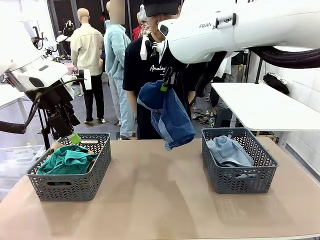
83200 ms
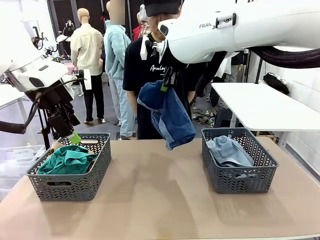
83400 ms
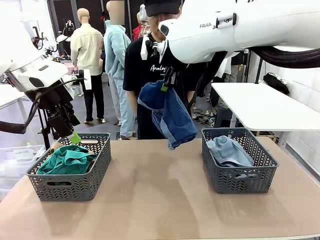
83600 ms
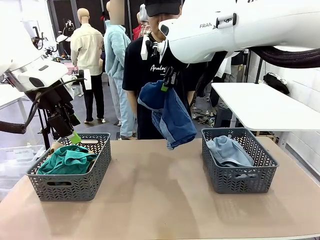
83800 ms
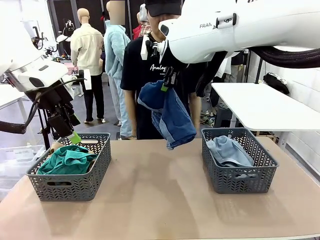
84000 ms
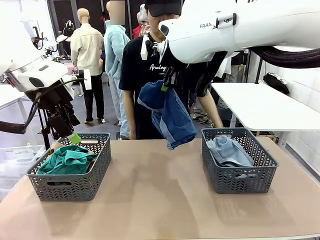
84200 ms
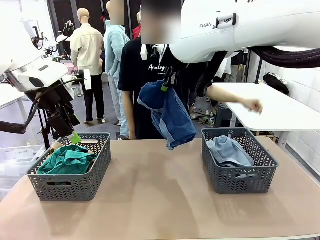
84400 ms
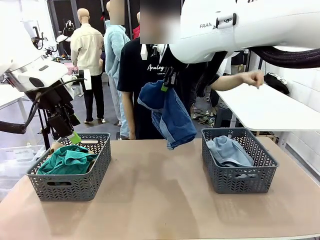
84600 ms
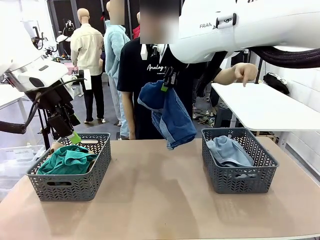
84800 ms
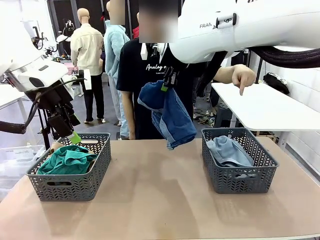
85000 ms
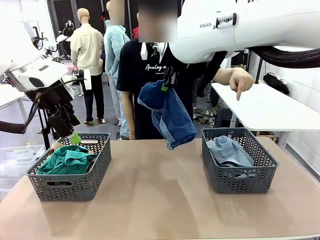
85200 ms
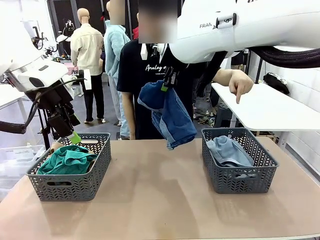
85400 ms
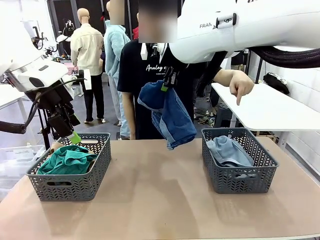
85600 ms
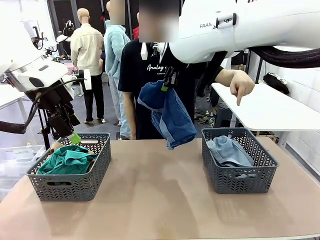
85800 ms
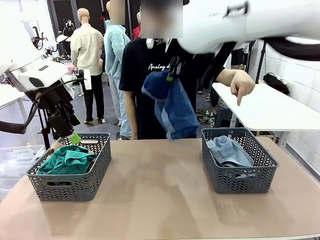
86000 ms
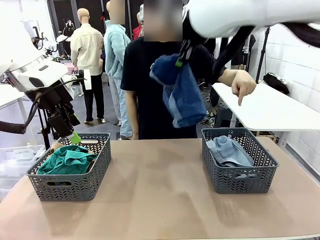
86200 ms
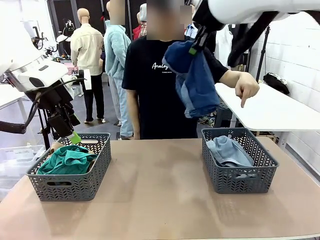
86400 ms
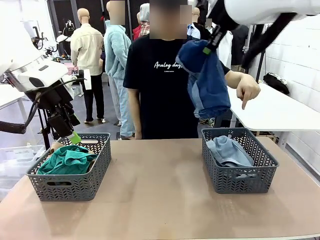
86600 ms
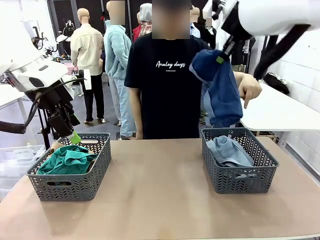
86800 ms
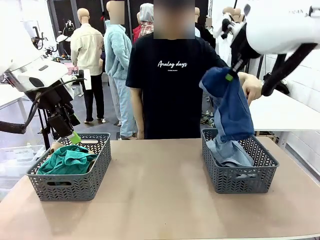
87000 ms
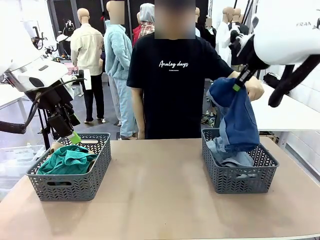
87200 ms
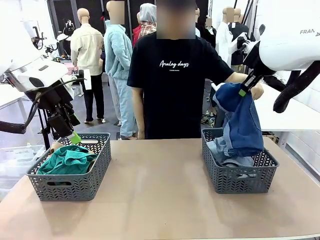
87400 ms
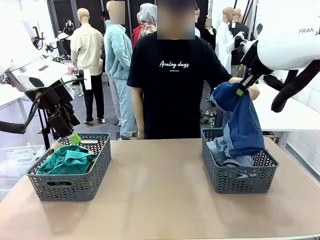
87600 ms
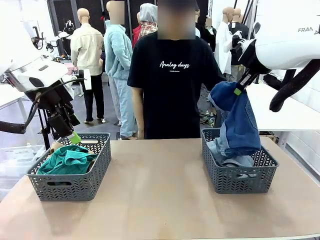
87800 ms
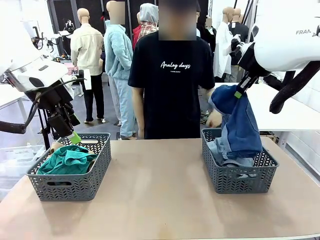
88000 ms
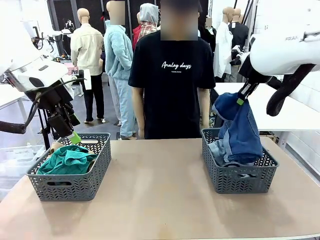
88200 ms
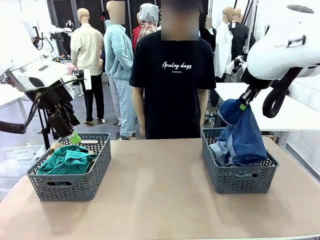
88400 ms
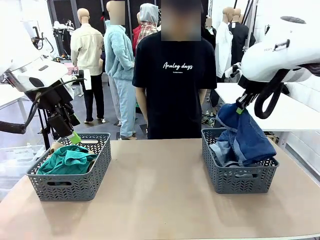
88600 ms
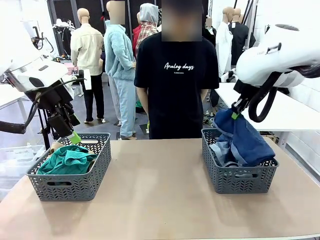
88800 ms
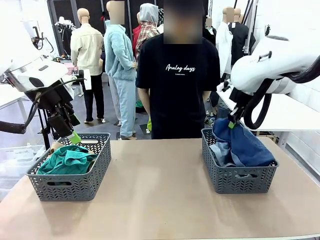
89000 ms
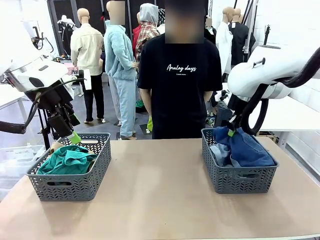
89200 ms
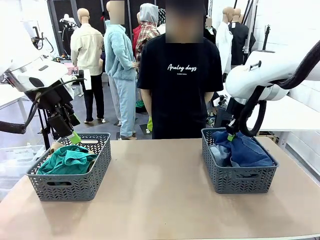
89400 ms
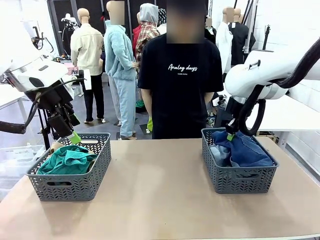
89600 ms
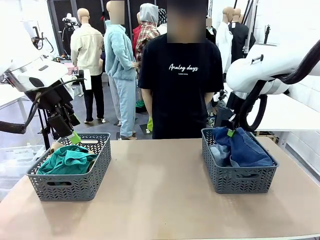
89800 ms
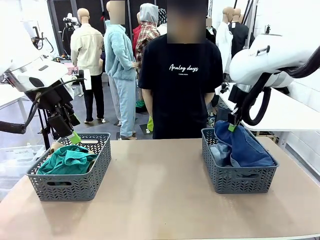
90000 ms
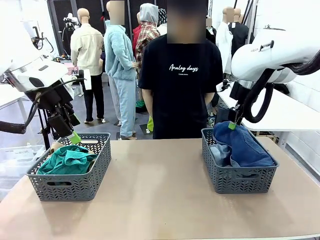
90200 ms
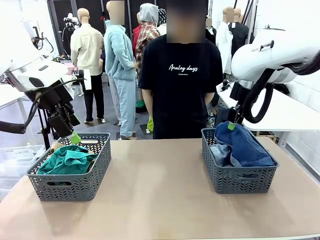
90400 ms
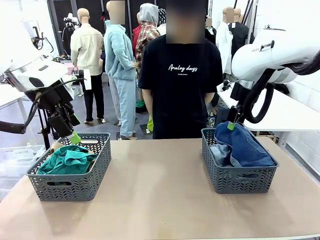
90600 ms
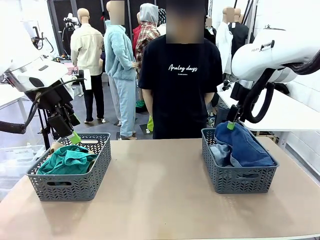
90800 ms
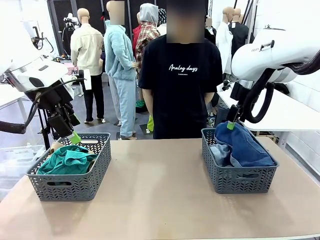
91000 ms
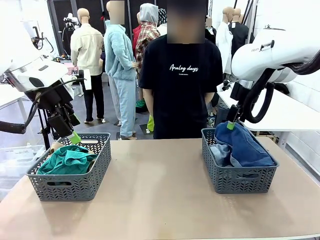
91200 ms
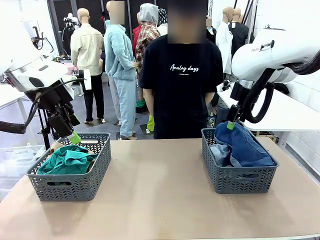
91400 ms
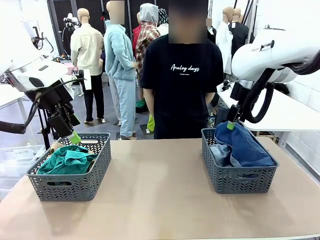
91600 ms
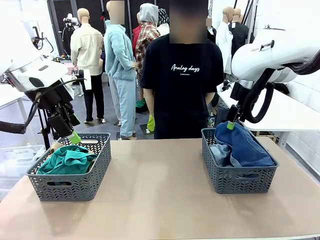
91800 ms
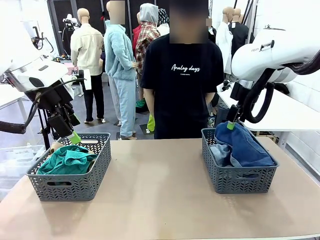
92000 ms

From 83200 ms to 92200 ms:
Task: Sort the tops and bottoms.
Robot: Sort the clothes according to human instructions.

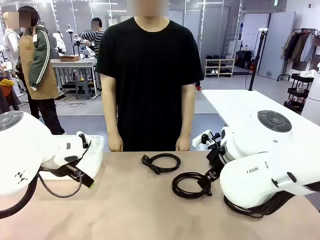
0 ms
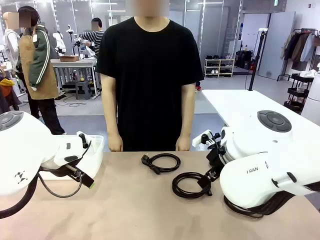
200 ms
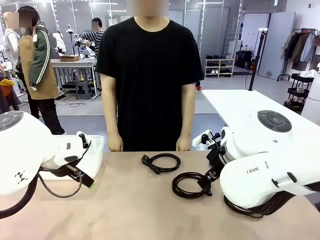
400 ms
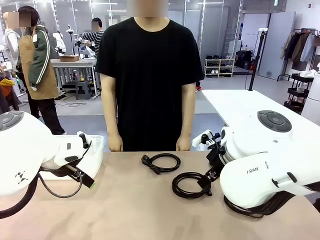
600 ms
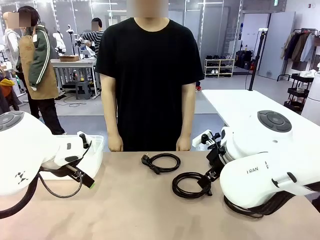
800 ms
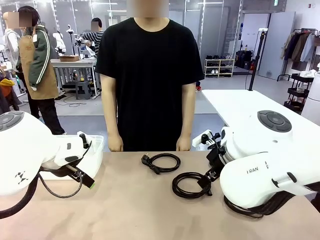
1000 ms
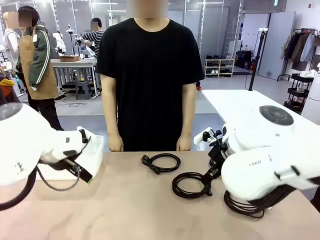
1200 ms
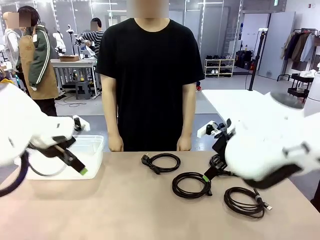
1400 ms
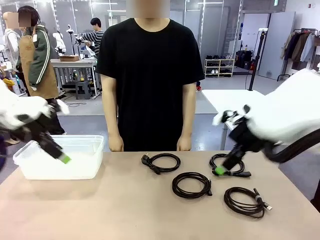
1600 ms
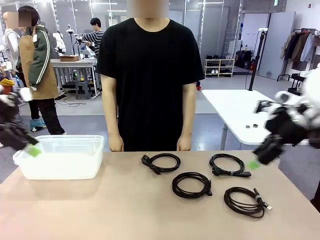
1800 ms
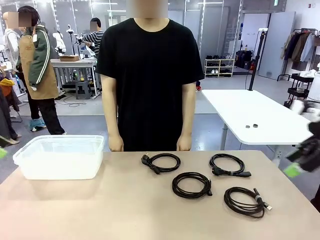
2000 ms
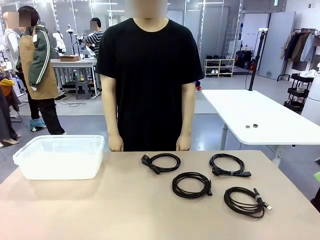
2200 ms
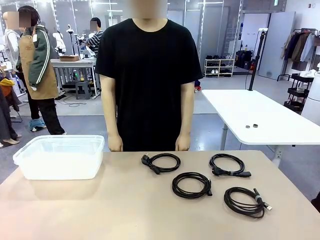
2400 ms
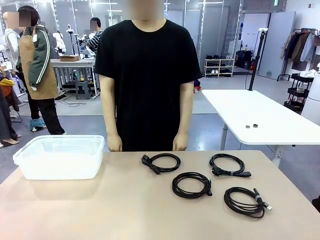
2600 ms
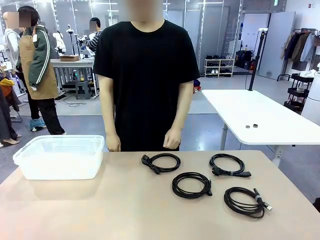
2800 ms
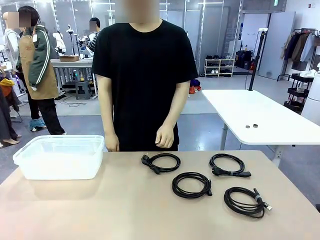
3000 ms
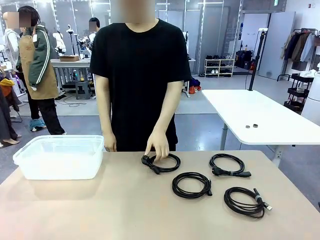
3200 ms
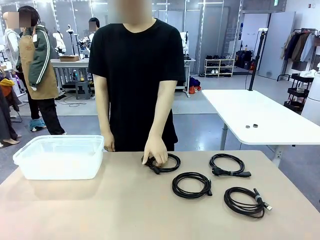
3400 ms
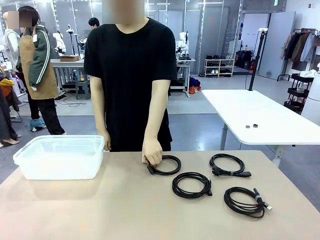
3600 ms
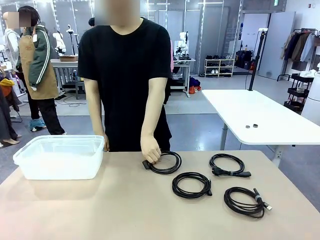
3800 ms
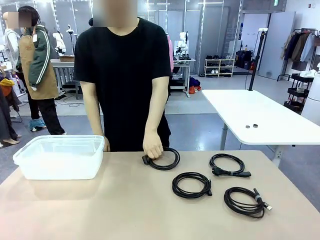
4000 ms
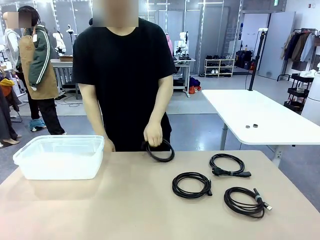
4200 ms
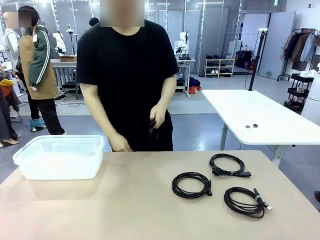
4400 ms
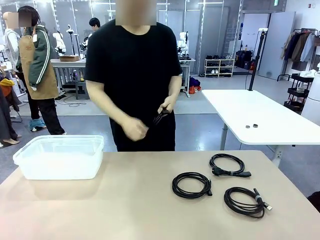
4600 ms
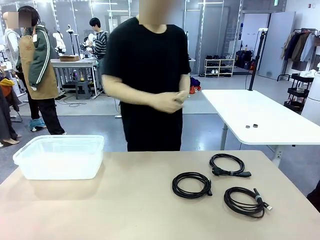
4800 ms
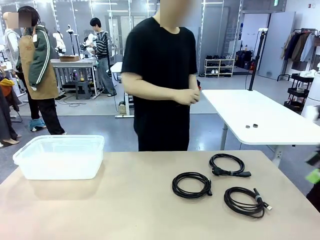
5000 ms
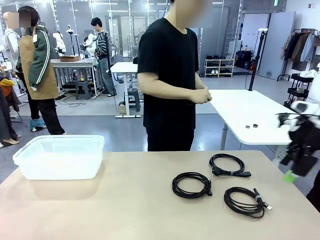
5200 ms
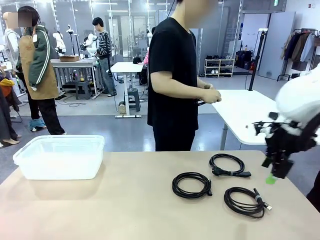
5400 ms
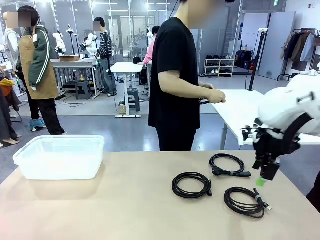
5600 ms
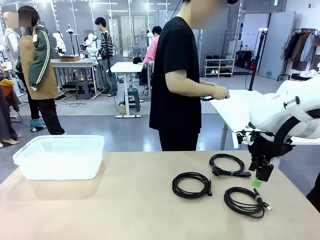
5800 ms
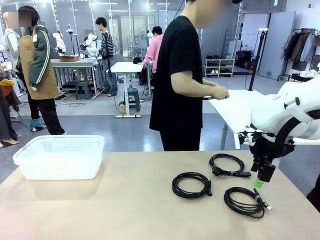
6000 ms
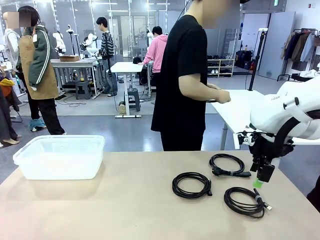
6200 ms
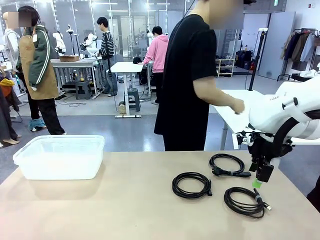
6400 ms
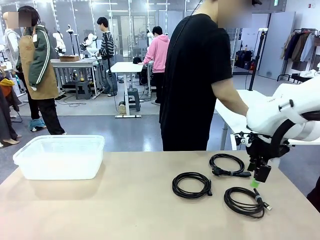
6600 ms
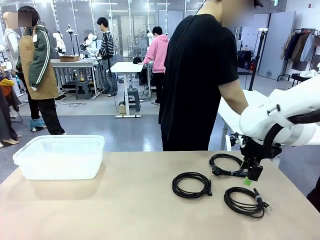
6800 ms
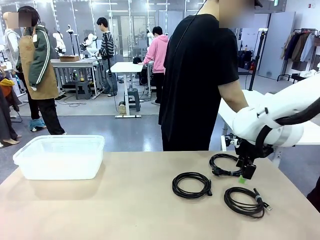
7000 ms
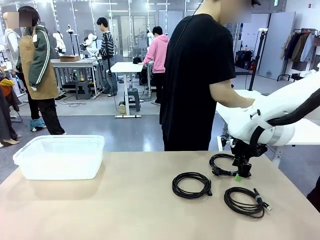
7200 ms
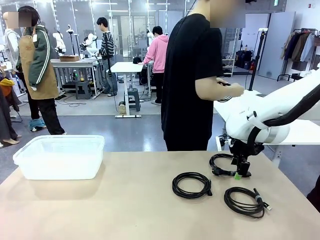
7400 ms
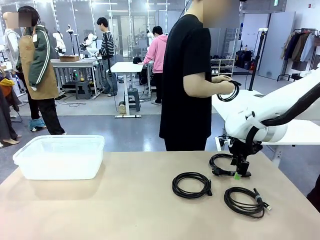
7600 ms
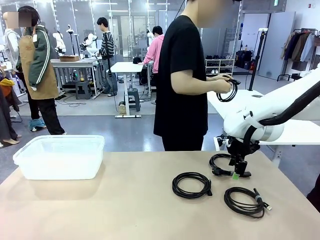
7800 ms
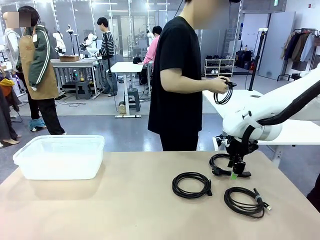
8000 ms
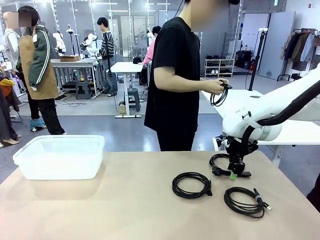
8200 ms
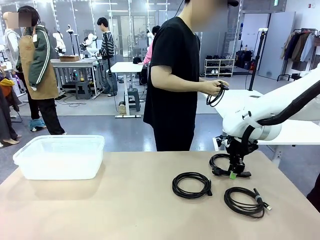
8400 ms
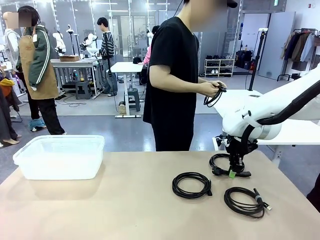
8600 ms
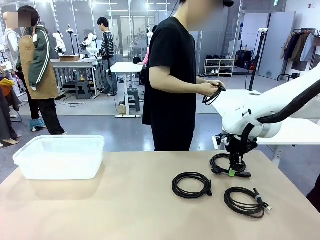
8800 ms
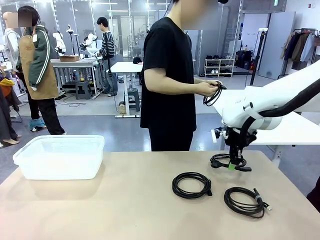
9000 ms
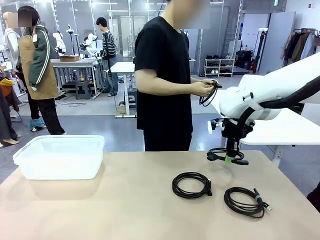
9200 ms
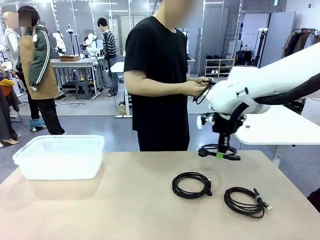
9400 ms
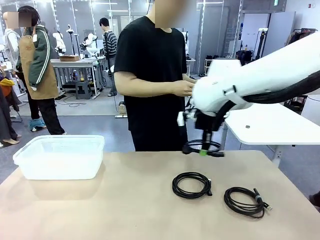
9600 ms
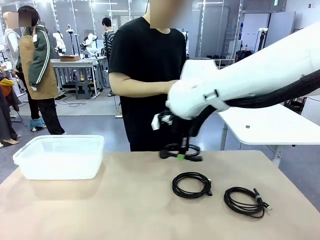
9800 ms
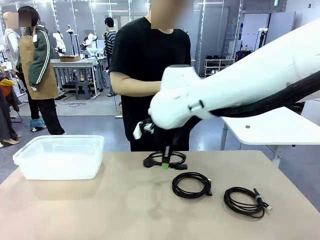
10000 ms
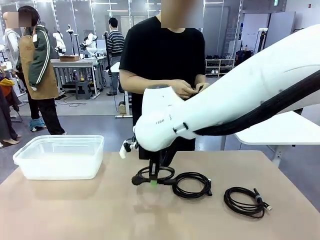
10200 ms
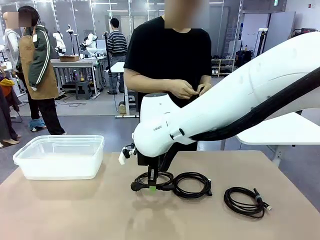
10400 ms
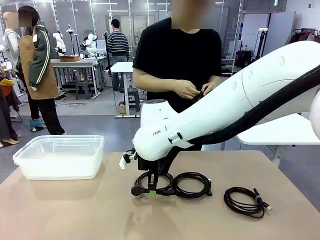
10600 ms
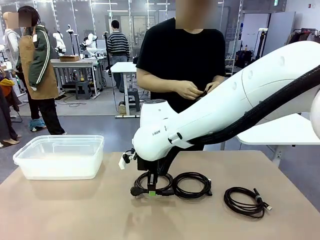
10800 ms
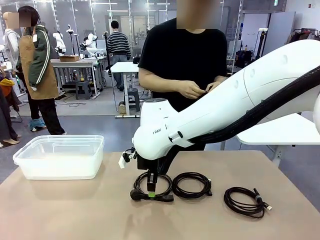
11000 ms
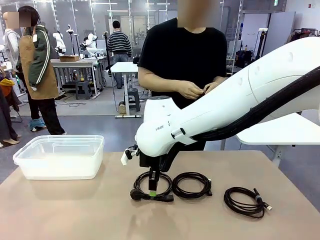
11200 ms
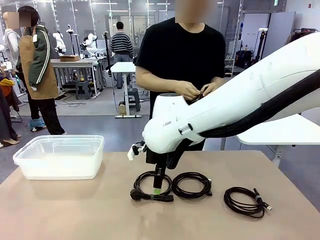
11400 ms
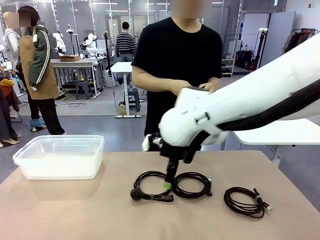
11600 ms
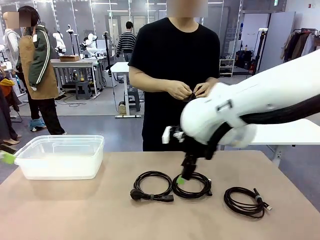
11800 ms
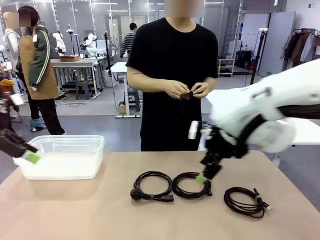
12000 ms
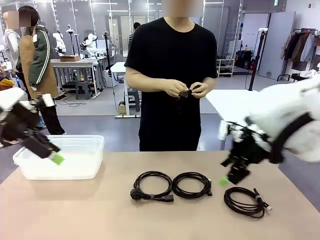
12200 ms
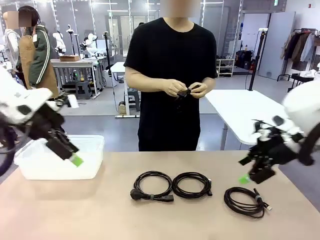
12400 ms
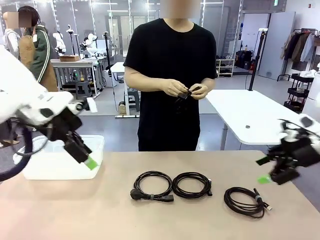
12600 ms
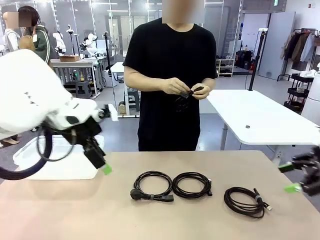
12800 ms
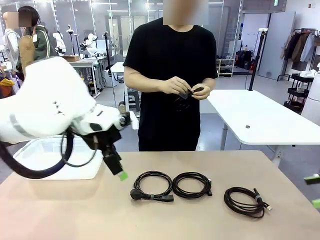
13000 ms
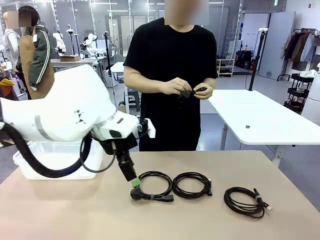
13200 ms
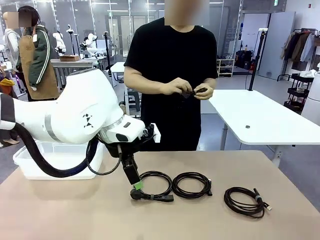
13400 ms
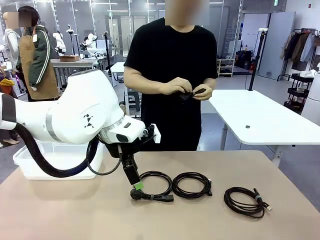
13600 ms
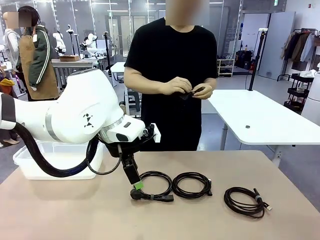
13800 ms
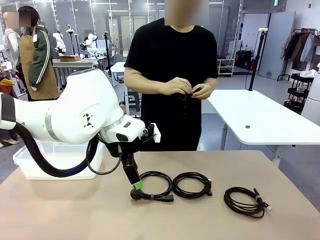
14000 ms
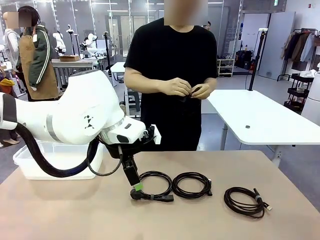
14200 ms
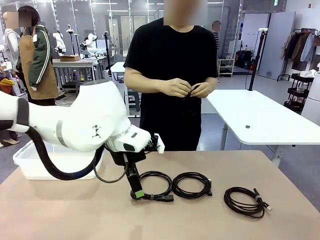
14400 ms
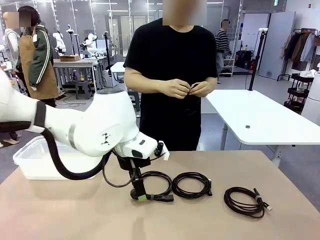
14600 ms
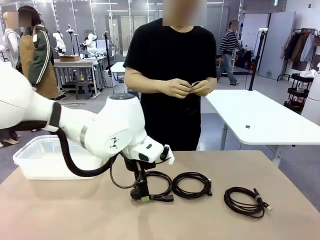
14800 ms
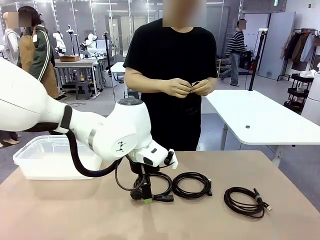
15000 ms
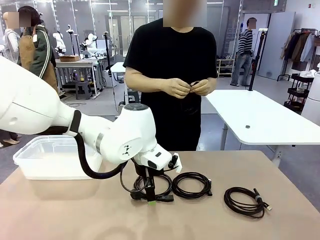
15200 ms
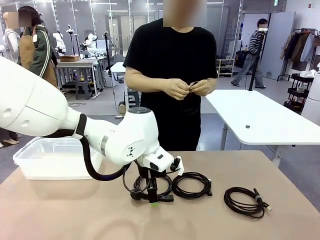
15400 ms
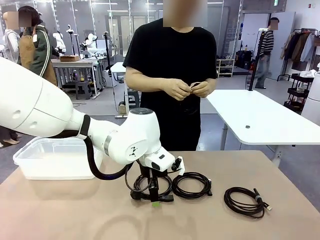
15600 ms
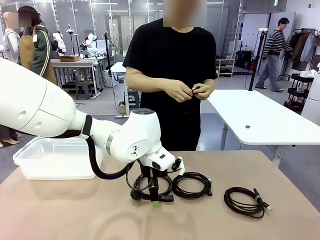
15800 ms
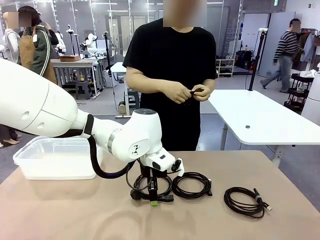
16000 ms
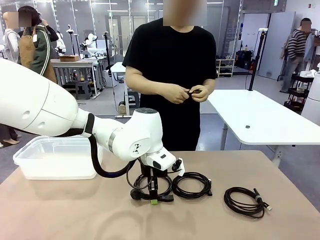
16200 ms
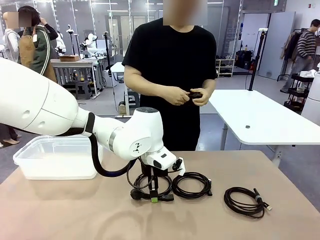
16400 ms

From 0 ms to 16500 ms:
Task: Organize and store the cables.
Robot: Place the Power Cable into the Organizing box.
Person: Tie one Power Cable with a Reusable Cable Tie.
